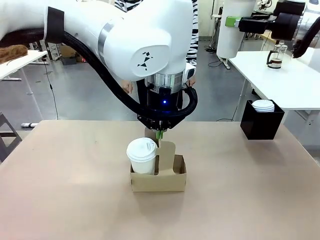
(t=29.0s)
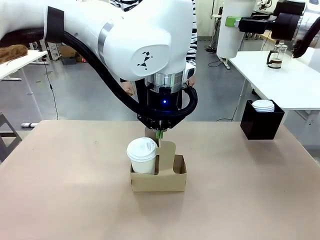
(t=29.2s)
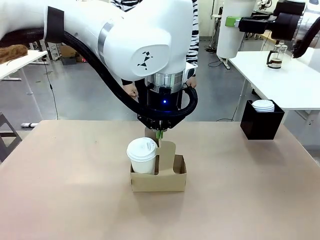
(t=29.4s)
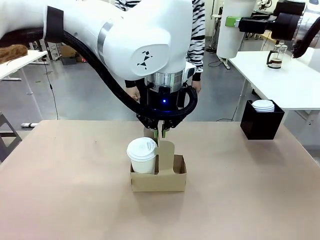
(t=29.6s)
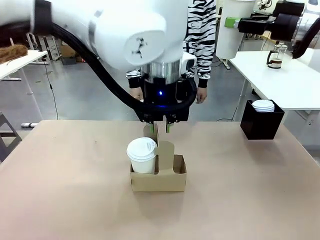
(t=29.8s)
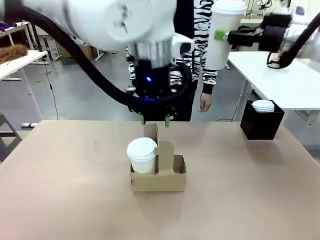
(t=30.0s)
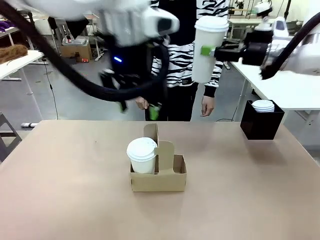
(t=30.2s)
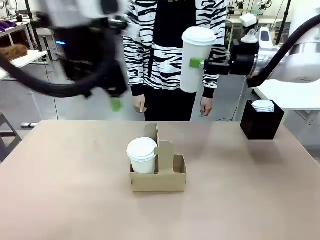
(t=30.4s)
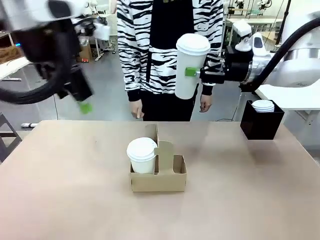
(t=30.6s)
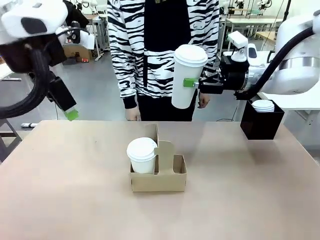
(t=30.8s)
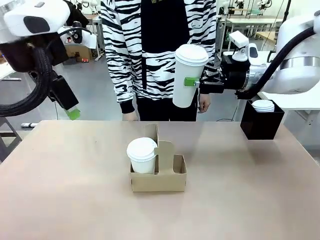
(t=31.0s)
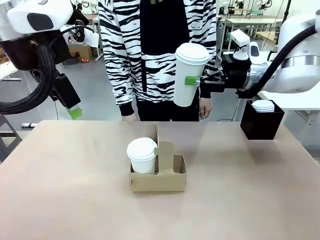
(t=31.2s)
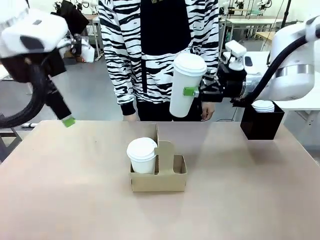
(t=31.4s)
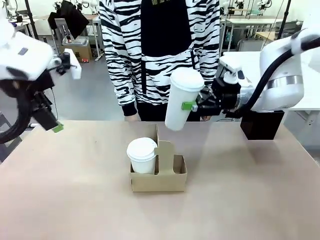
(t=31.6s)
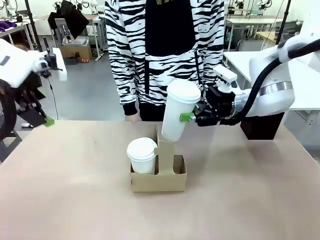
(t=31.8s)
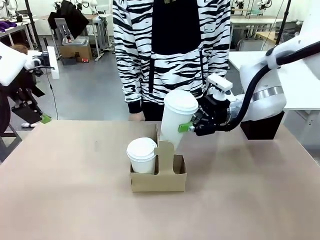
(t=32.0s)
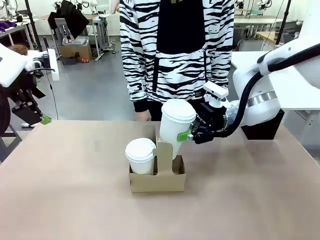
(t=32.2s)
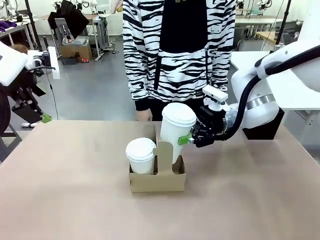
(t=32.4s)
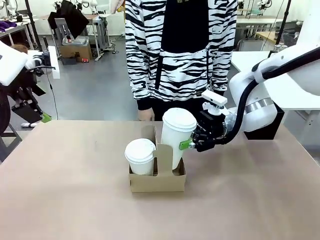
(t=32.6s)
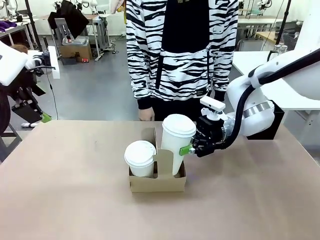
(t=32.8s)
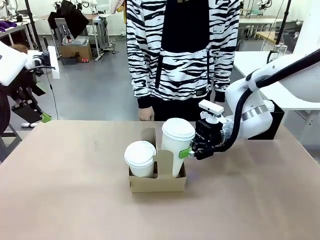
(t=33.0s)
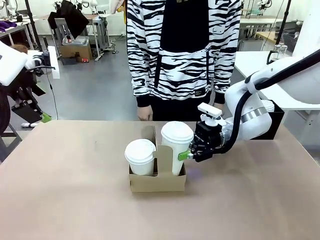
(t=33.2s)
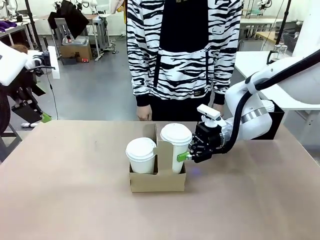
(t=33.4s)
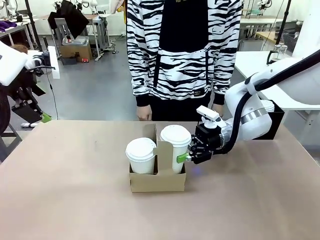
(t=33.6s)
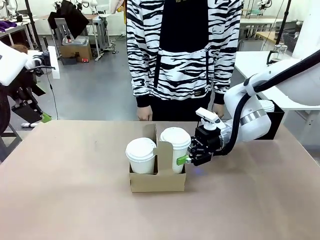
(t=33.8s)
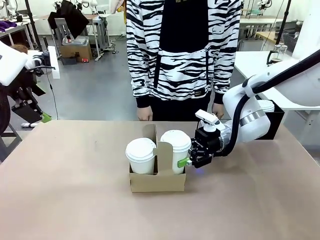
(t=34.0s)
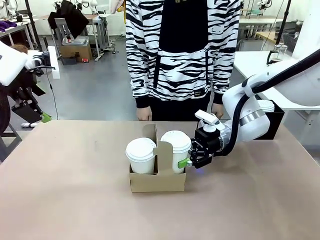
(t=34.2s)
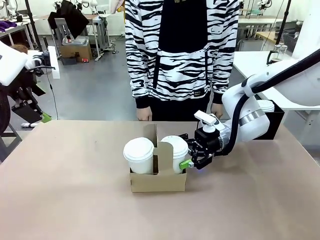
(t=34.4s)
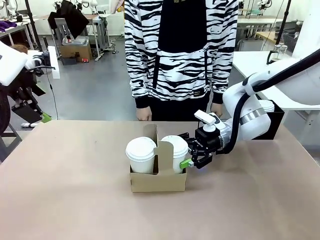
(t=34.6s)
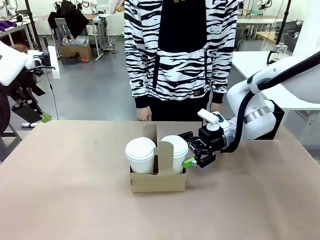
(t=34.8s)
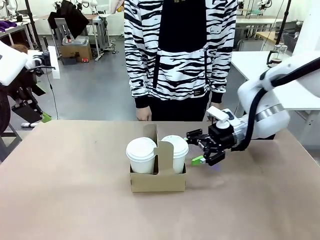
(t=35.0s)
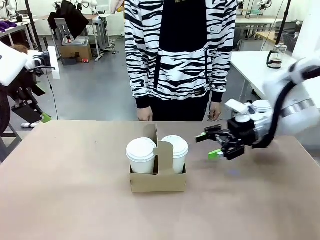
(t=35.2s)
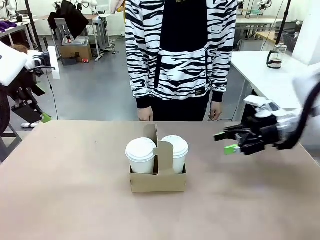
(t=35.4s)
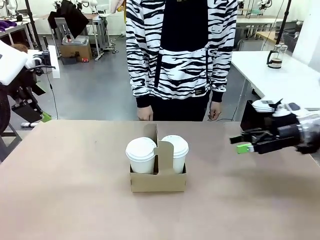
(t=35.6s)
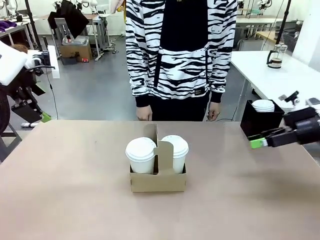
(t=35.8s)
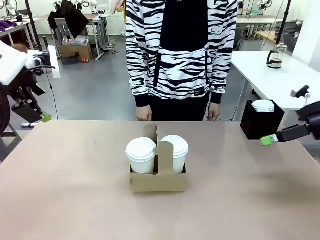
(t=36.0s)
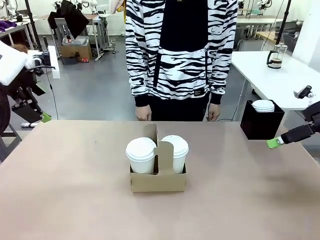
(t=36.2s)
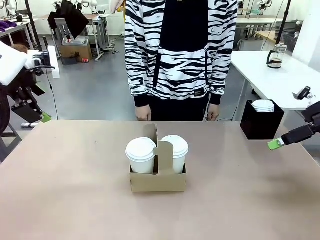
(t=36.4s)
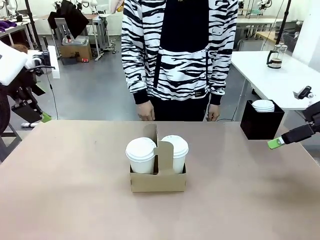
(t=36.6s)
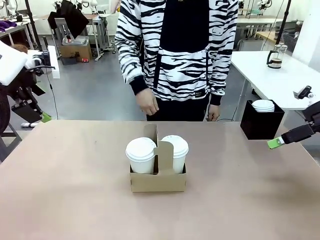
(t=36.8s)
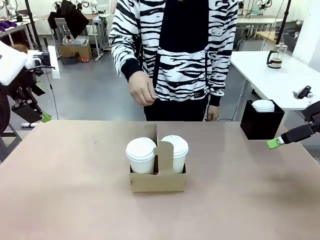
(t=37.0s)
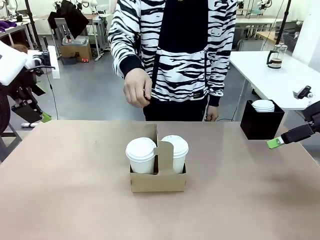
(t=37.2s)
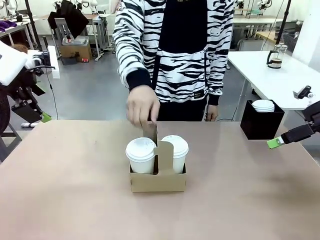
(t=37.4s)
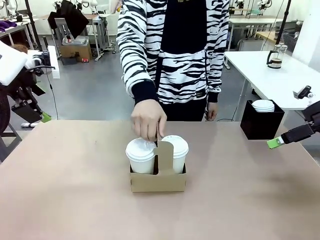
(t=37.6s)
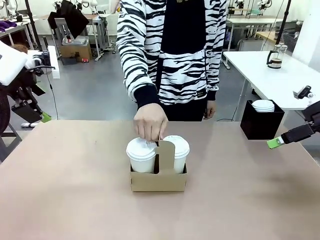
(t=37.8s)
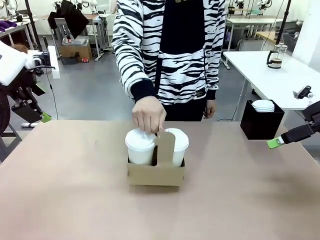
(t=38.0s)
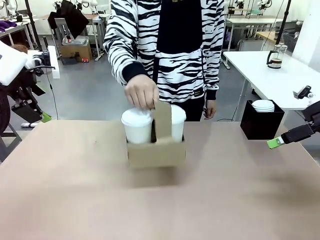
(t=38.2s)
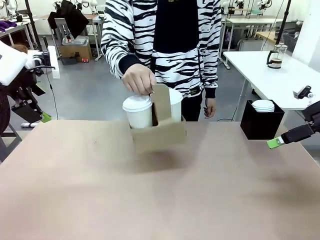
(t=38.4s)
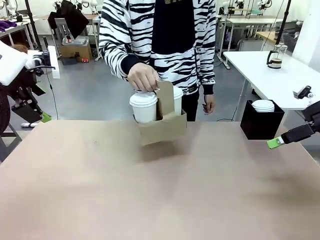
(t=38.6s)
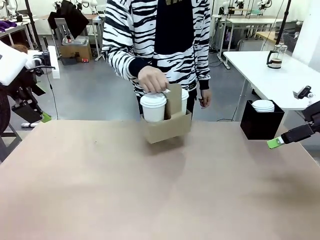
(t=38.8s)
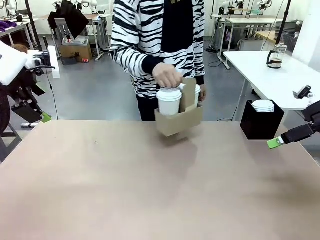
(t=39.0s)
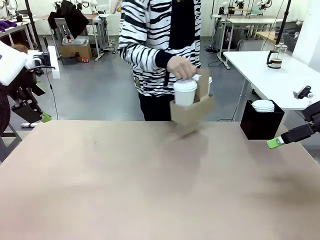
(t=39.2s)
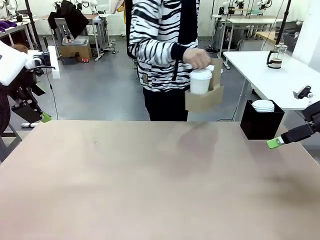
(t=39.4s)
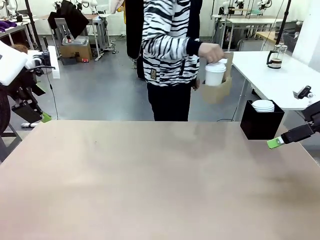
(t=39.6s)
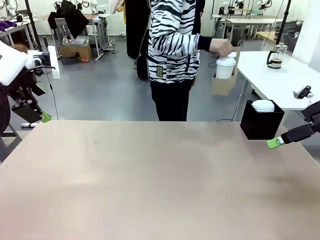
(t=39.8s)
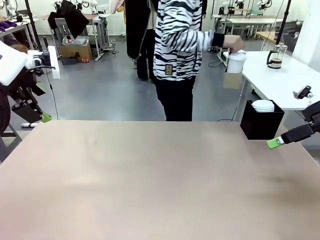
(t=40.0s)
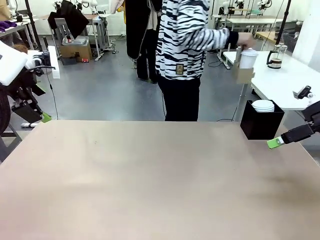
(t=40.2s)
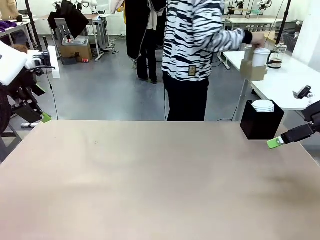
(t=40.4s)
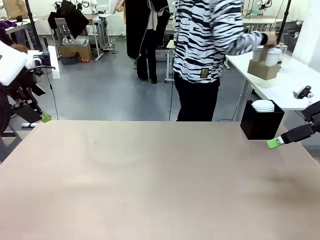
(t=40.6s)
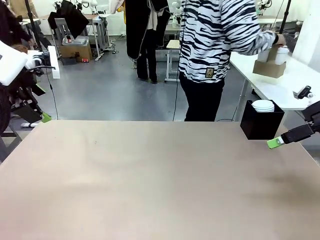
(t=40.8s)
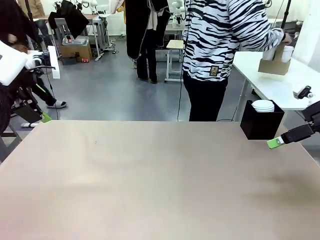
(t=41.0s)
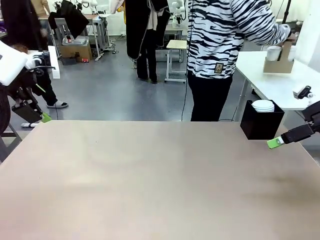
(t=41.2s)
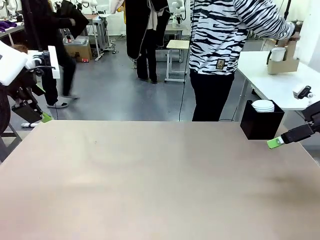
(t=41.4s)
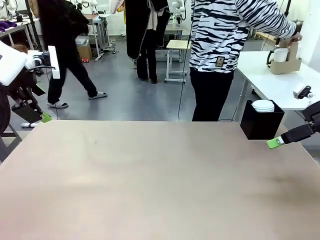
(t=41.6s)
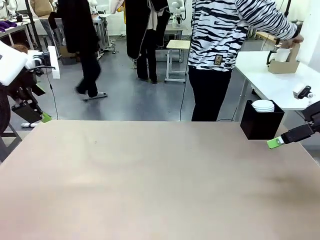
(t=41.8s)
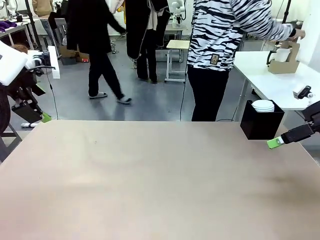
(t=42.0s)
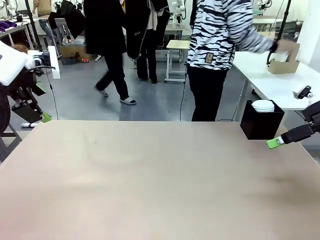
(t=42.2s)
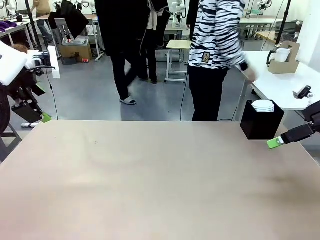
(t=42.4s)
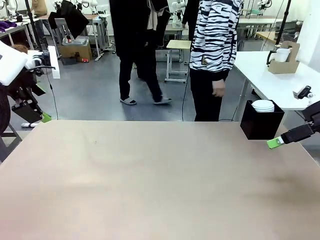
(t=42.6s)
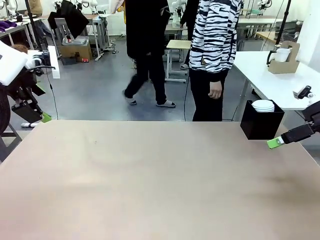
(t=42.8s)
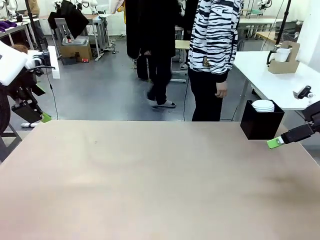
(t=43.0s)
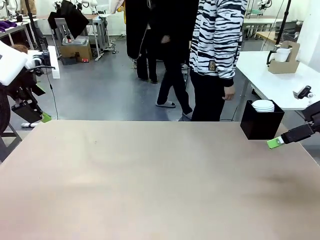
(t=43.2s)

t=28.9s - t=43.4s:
Task: Pour a drink into a cup and package it in a carrier.
Robot: Insert the held 600 ml Paper Cup into the Cup Carrier.
Person: Place the Cup Carrier to the middle of Human table.

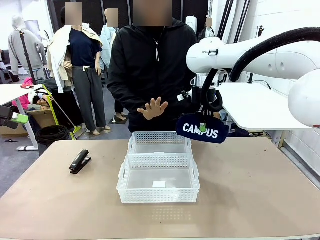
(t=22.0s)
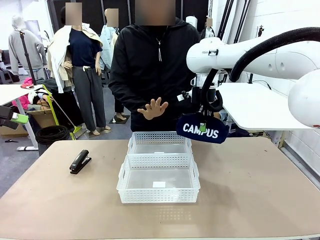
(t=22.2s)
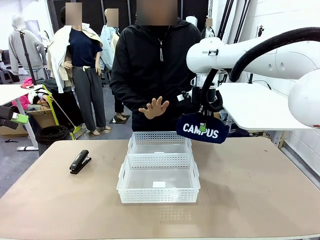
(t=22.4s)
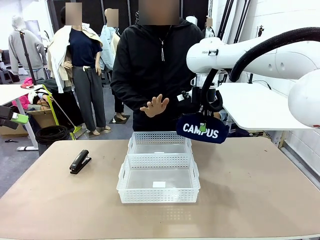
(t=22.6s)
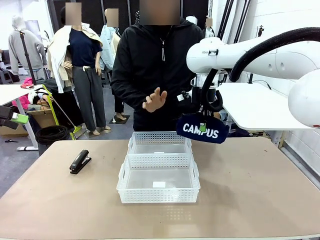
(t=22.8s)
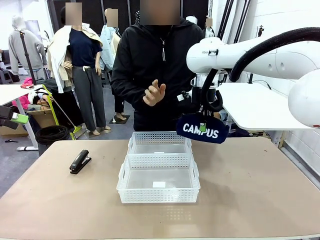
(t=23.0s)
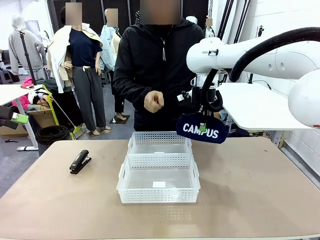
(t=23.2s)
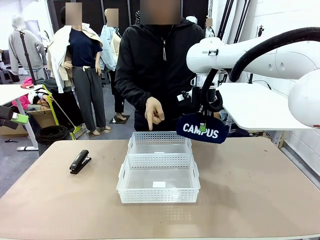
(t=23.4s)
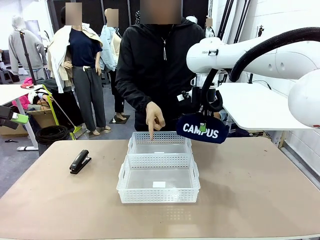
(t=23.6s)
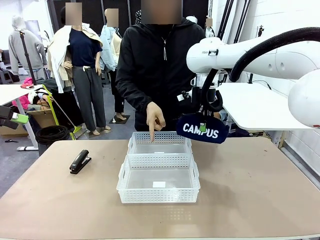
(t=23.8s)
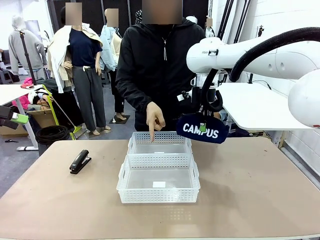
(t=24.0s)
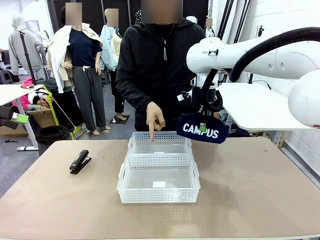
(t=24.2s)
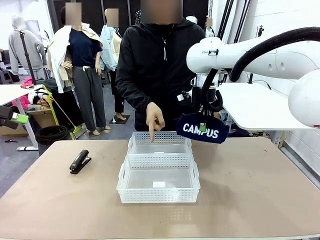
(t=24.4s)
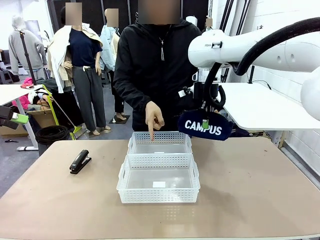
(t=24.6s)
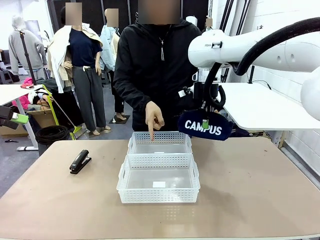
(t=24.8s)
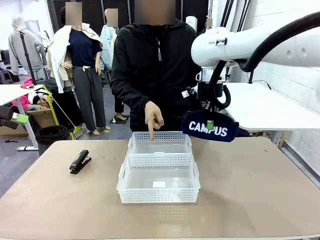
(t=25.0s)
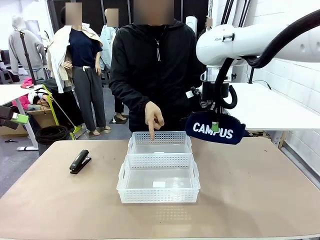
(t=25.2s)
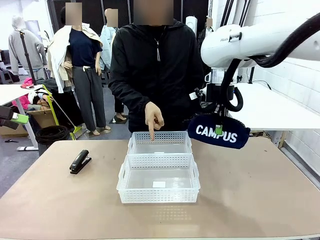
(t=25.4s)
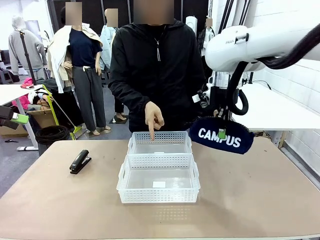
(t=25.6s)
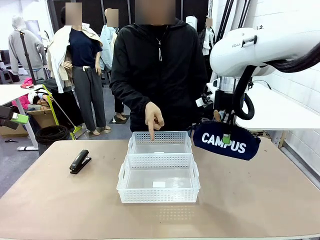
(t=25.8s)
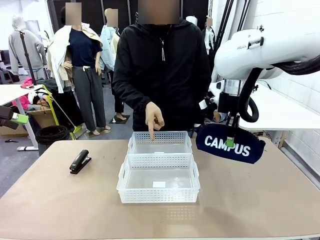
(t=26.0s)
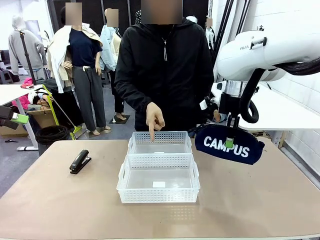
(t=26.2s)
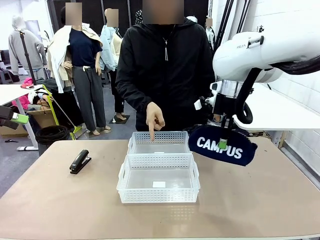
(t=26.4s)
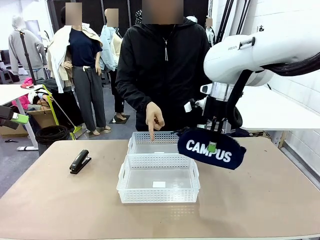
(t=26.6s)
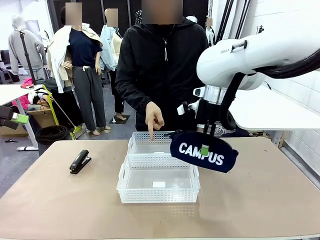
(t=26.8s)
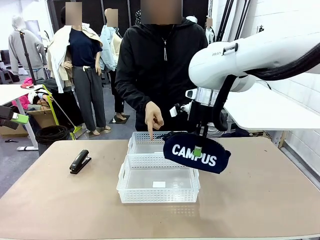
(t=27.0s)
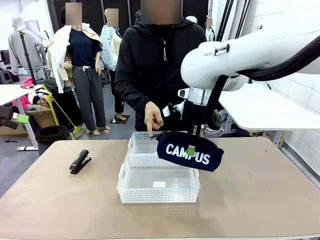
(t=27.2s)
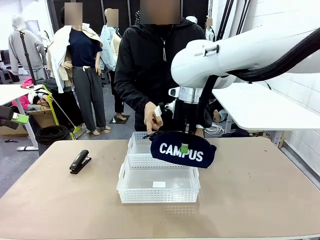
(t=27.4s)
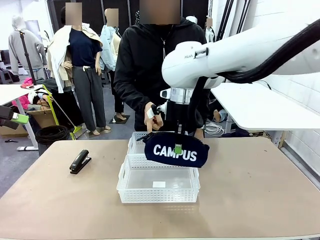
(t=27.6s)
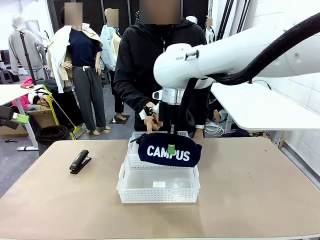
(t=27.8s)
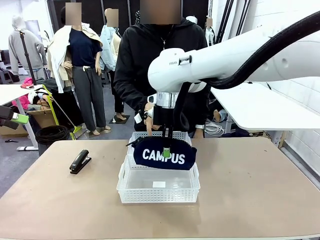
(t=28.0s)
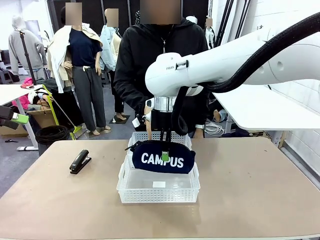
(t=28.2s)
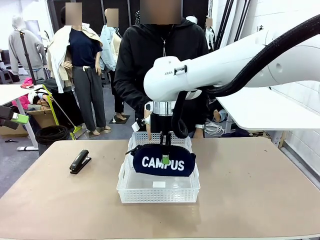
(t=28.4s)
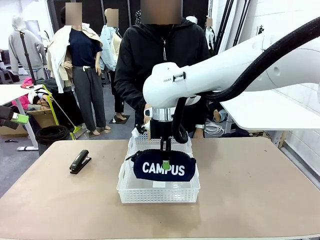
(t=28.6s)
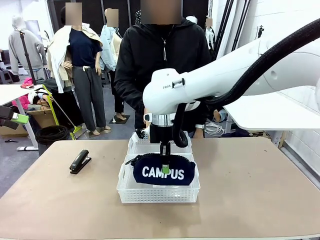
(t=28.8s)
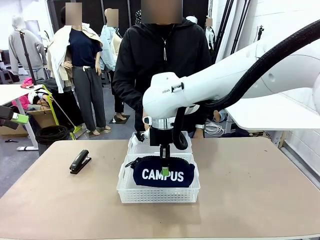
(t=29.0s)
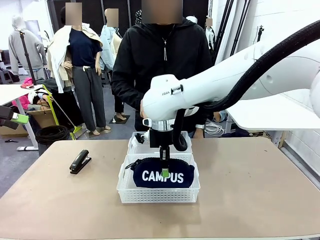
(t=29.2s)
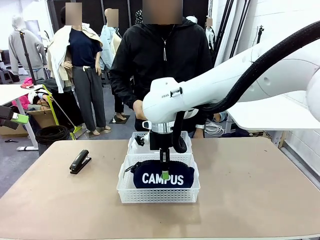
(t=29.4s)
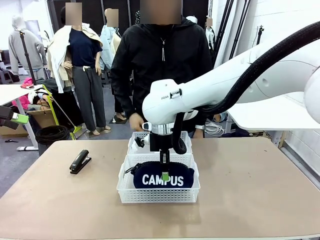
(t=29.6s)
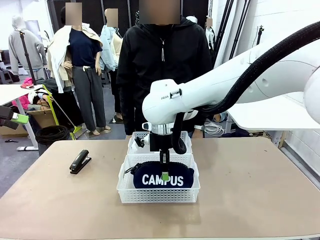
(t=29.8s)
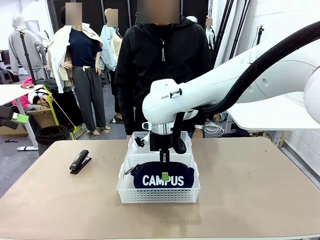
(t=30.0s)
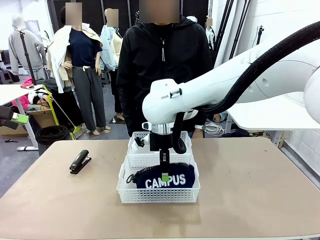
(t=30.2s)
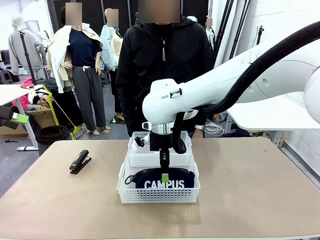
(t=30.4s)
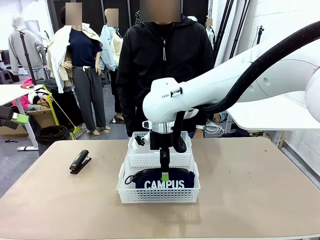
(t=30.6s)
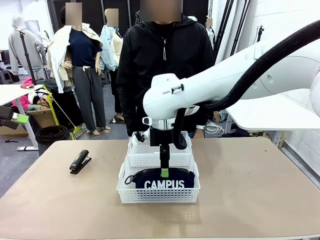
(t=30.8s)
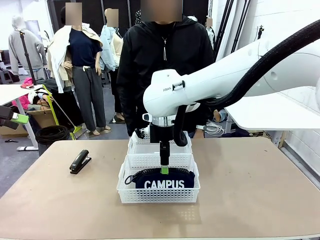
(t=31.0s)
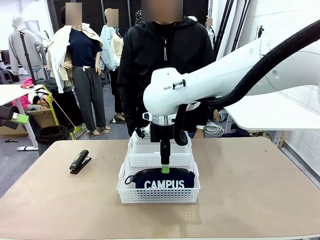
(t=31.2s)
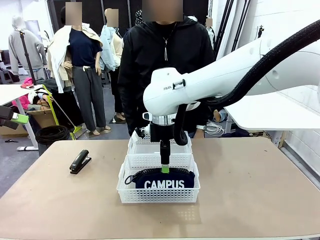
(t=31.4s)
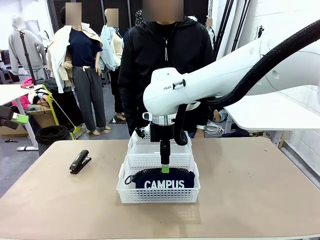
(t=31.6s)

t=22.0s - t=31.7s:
Task: Distribute items into two baskets.
Robot: Place the picked Pencil pouch into the Organizing basket as instructed by the person.
Person: Instructs the robot to place the pencil case into the opposite basket. Points to the stapler.
